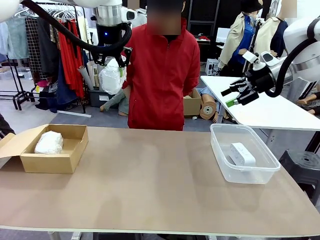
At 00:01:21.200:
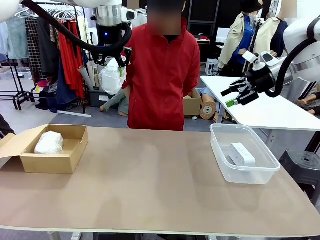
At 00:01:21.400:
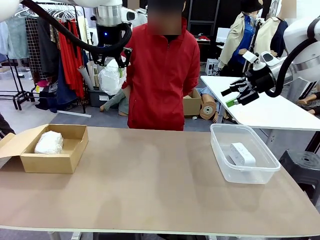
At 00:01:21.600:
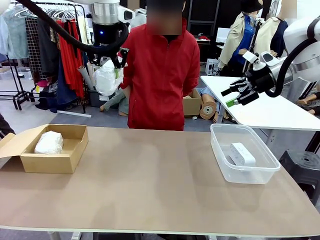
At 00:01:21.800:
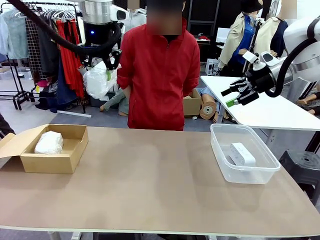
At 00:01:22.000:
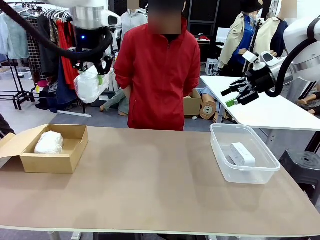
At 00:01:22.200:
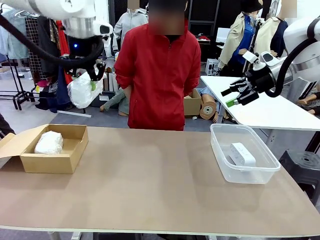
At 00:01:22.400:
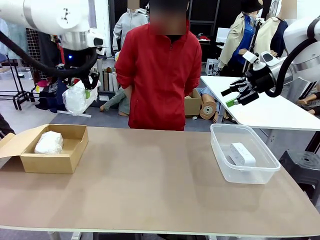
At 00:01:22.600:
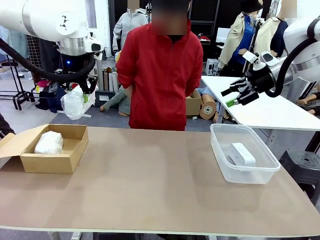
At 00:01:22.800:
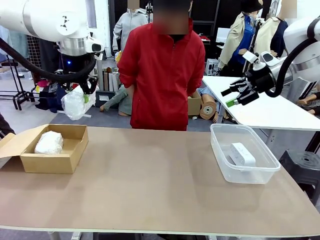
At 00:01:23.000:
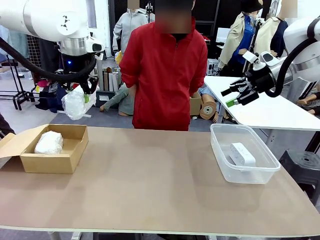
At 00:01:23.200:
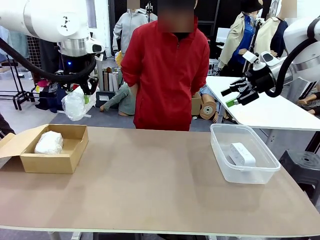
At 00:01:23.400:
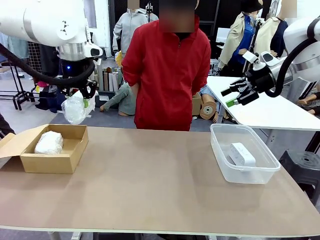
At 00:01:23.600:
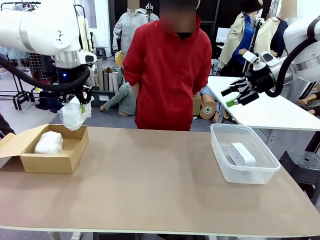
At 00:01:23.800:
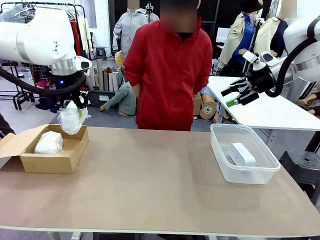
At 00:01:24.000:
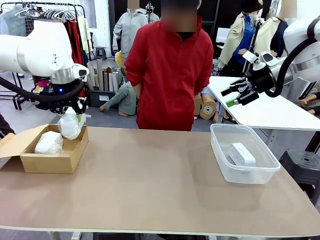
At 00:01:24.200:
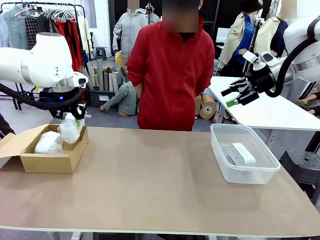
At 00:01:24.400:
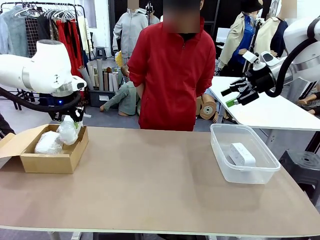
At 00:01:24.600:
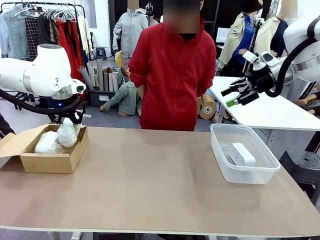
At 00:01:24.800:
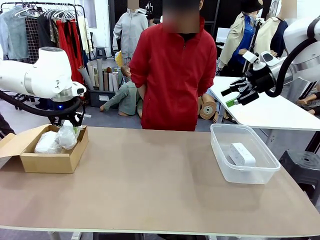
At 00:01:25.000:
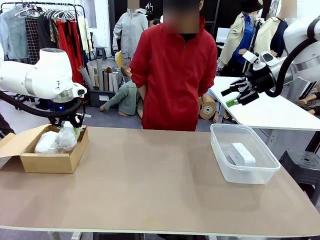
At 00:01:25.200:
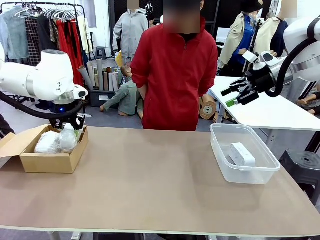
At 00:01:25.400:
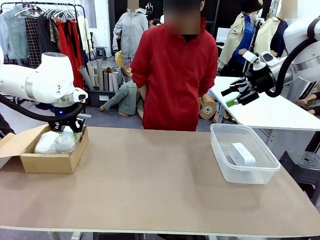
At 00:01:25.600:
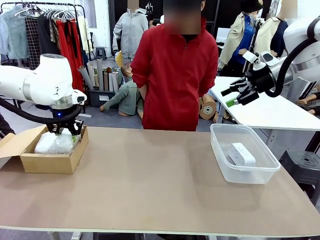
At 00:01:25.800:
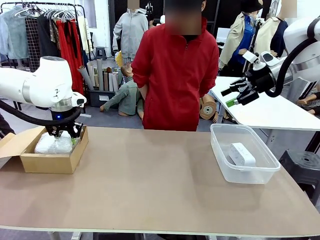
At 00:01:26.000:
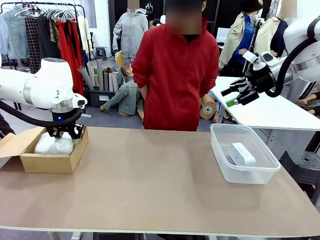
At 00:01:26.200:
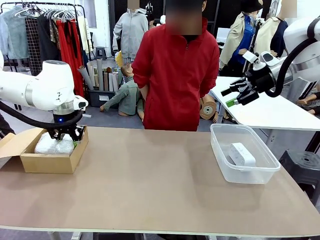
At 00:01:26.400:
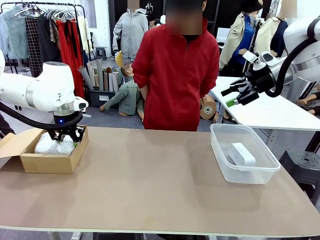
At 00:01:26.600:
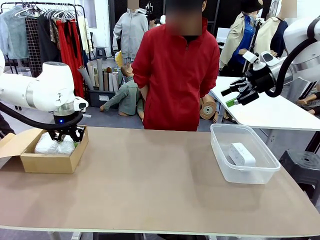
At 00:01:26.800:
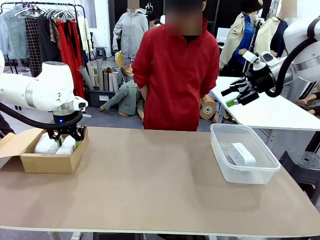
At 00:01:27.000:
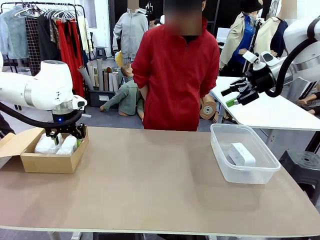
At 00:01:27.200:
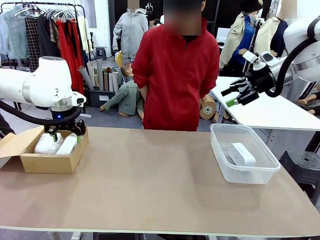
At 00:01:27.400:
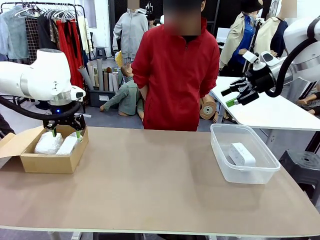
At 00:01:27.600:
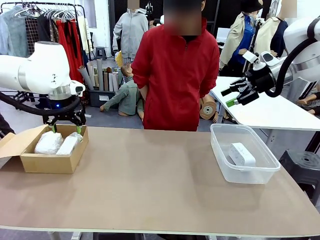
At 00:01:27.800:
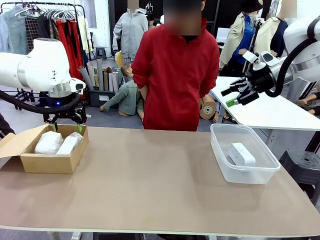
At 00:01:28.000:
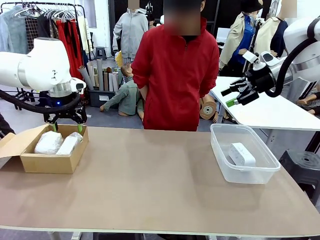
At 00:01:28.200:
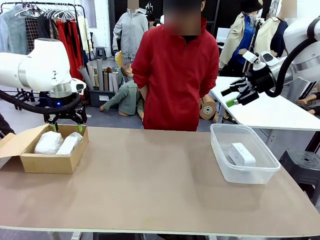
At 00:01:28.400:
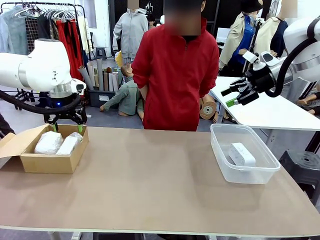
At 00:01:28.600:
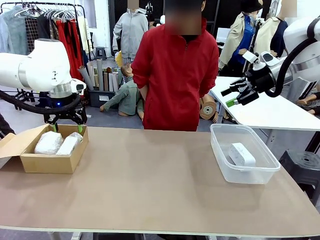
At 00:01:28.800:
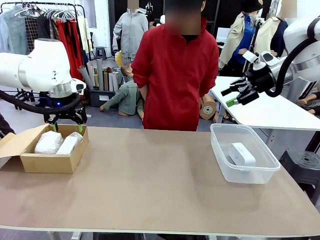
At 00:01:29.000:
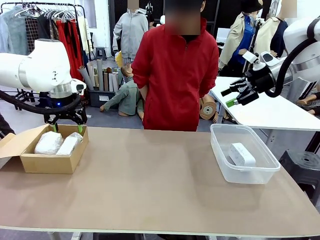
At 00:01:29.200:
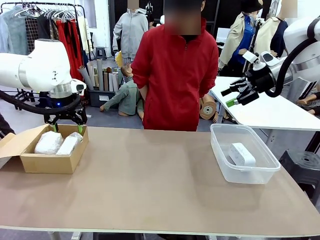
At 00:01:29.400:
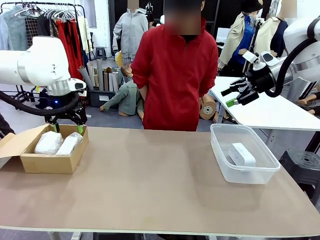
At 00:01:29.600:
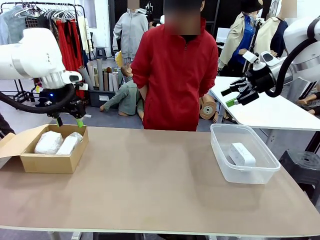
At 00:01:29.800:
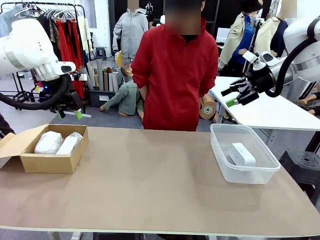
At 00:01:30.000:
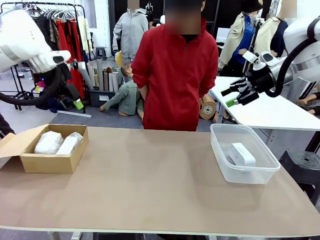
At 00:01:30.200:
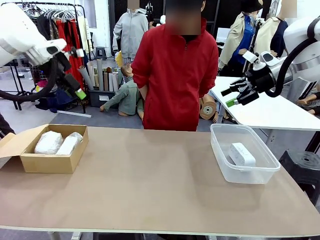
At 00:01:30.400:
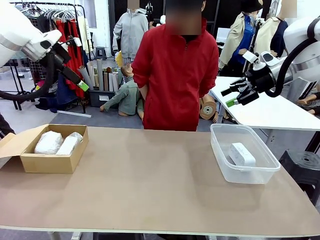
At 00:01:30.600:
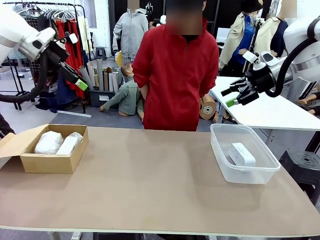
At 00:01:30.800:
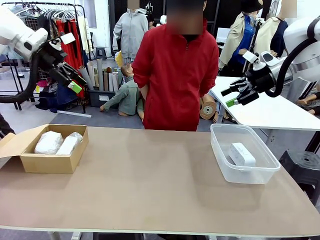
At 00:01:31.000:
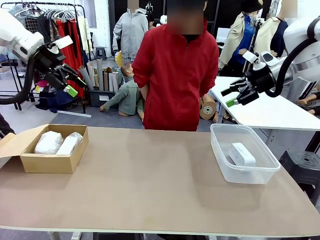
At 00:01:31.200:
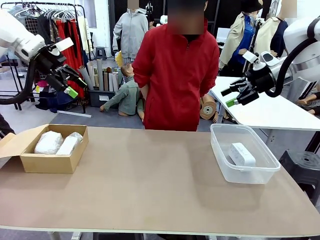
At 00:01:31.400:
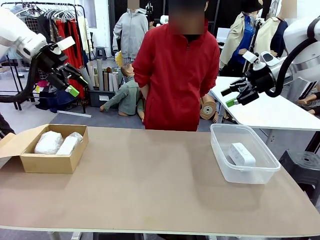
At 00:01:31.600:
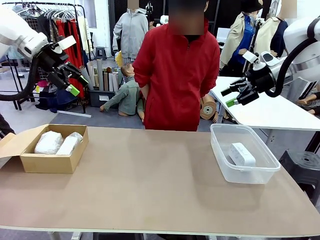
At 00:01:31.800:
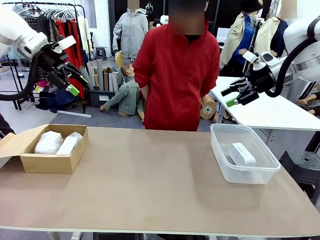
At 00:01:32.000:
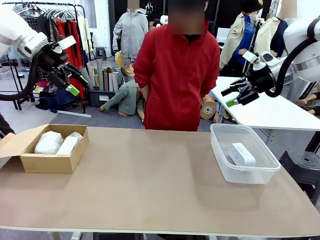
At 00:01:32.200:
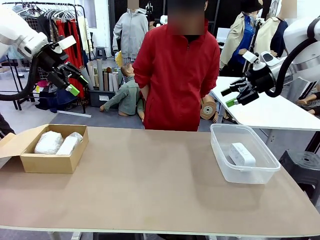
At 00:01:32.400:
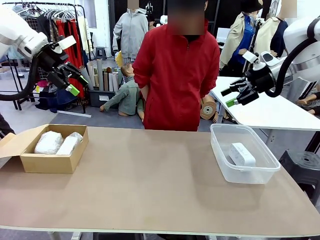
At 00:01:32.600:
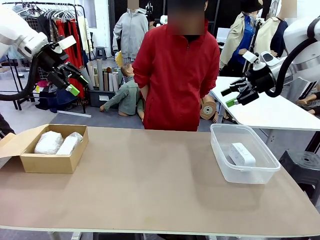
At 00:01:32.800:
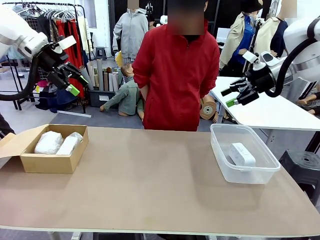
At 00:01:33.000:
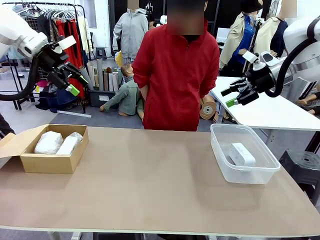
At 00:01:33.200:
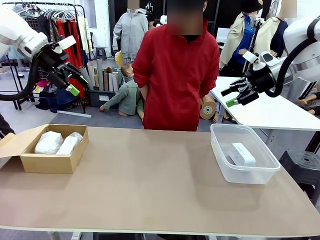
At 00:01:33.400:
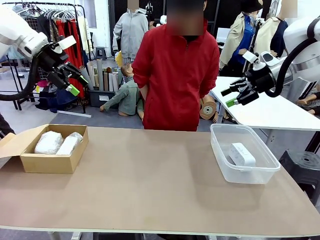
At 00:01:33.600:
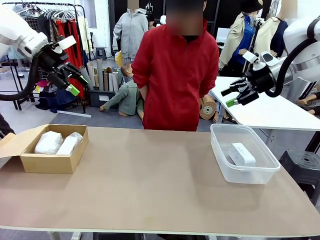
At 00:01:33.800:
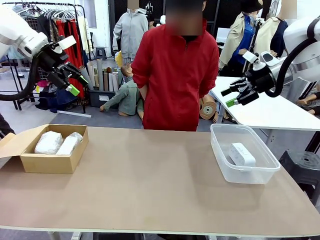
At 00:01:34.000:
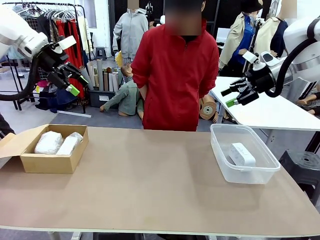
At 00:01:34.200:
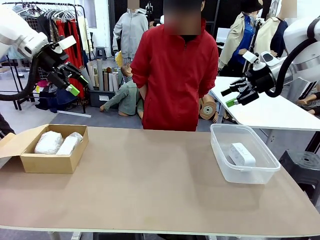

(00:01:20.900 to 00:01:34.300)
Task: Separate and place wrapped and unwrapped clocks.
Robot: If the picked Digital clock is wrapped, place it in the Package Box ; if not, place it in the Organizing box.
